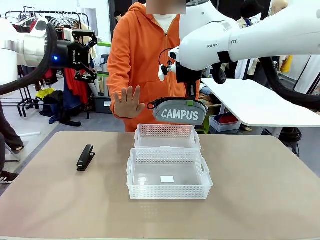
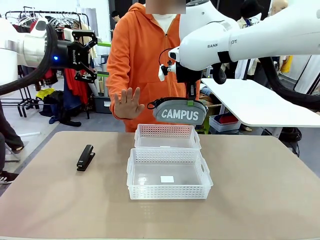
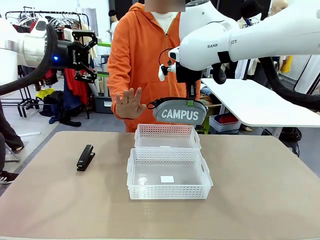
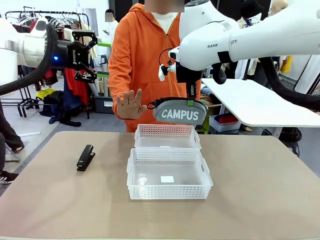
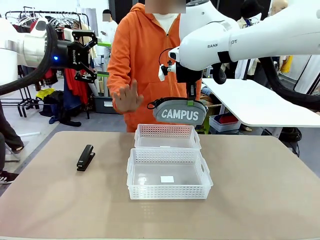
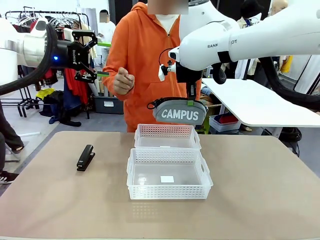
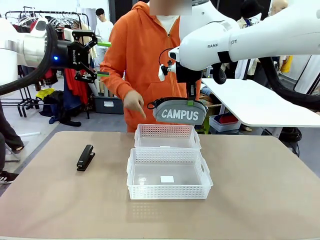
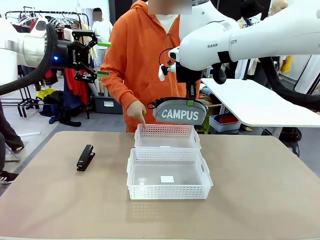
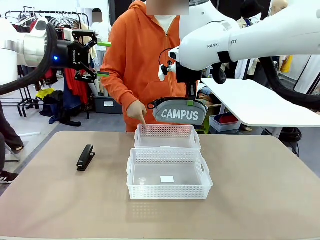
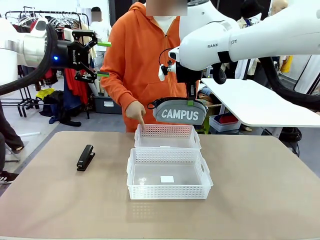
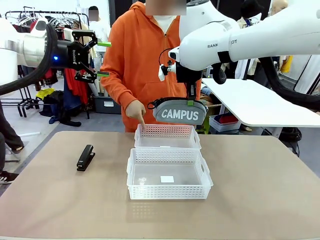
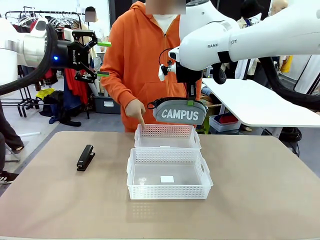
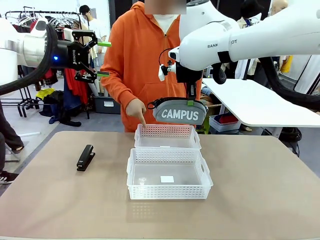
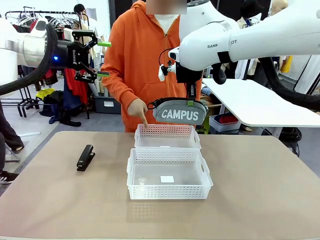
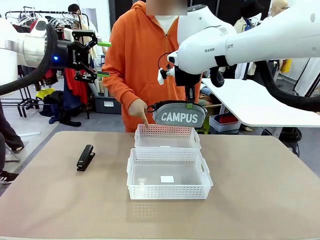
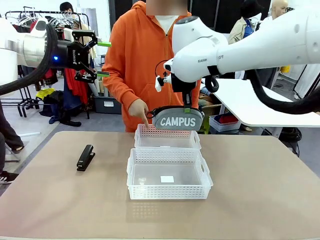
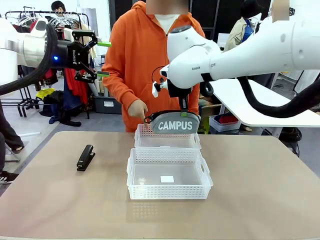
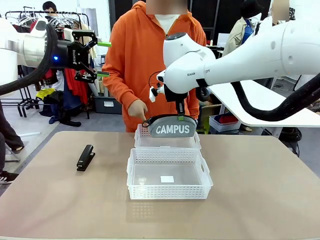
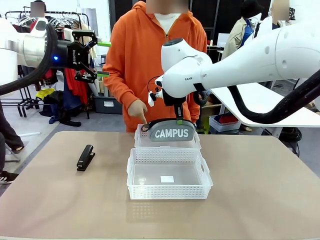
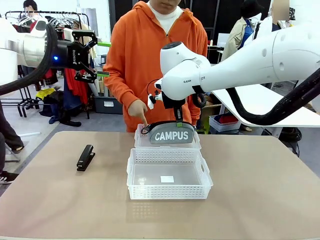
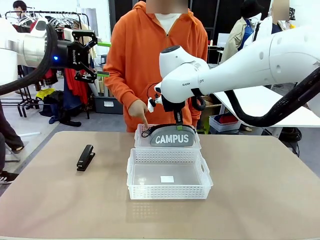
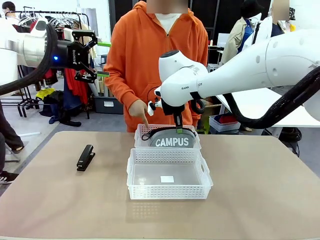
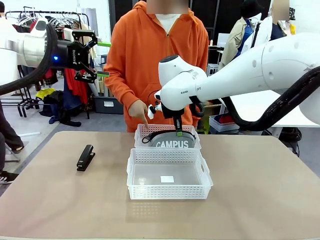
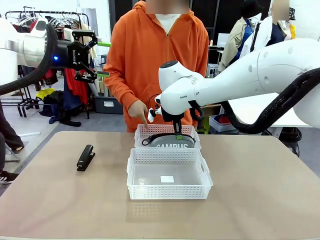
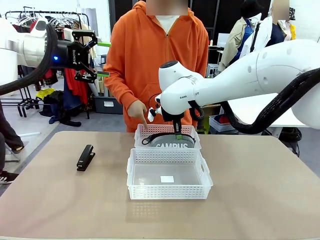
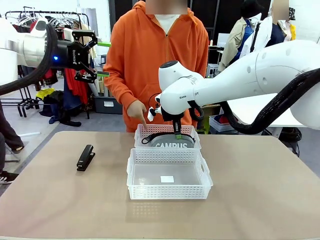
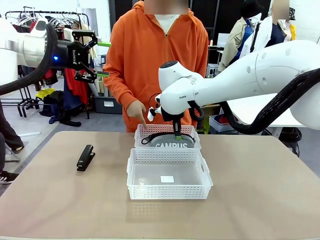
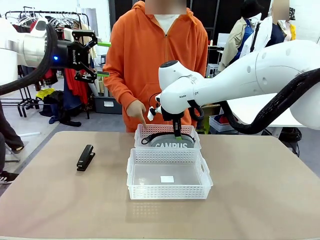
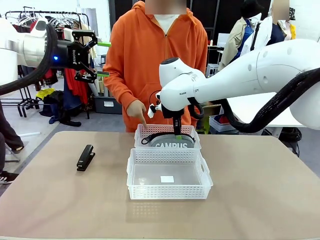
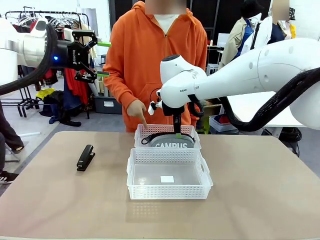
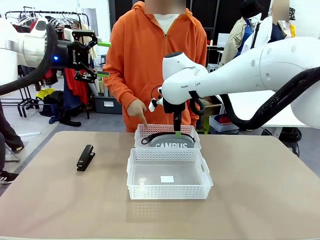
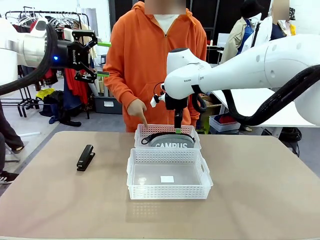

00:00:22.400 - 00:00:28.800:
Task: Distribute items into two baskets.
Robot: Place the picked Pencil pouch into the Organizing basket as instructed by the person.
Person: Instructs the robot to place the pencil case into the opposite basket.

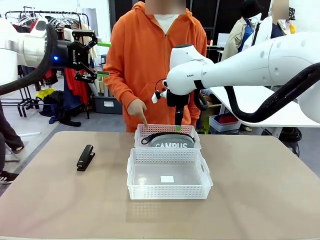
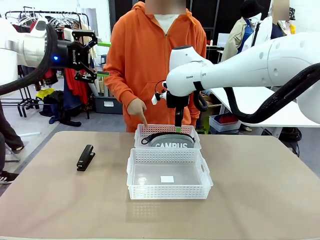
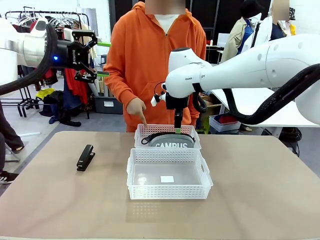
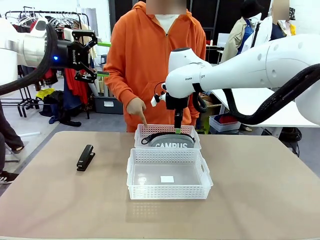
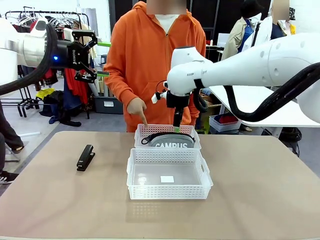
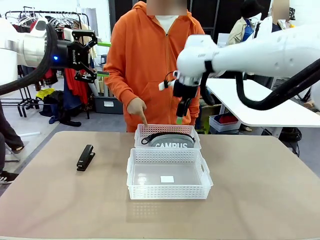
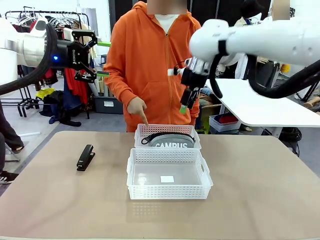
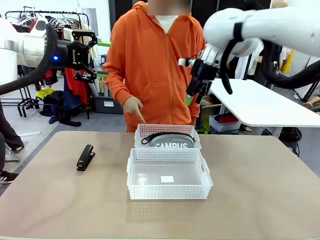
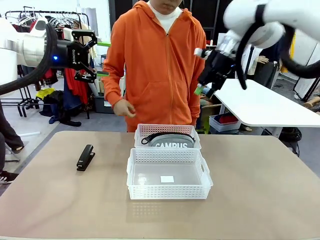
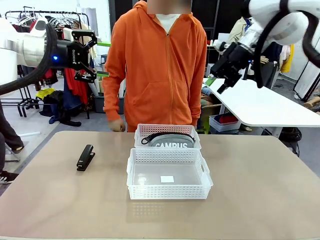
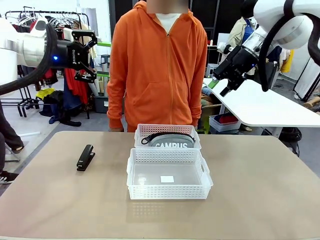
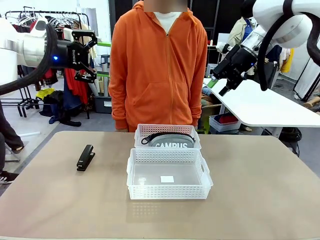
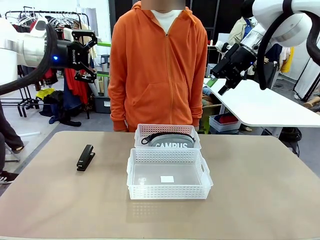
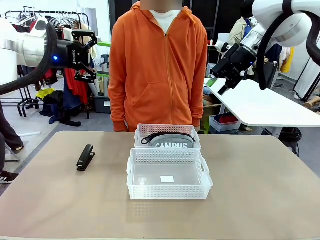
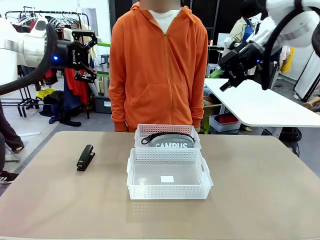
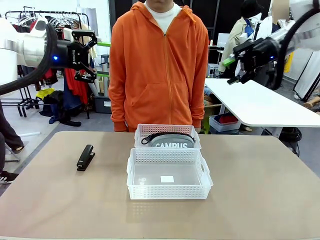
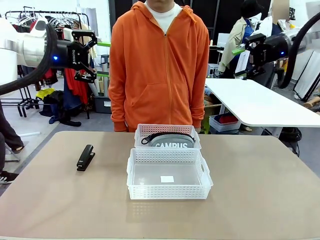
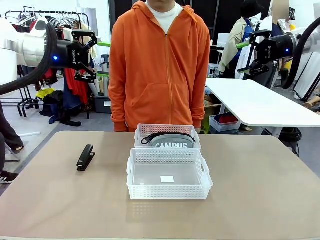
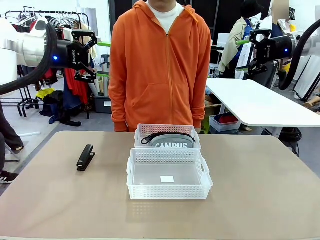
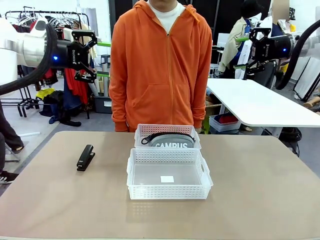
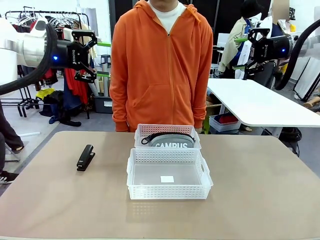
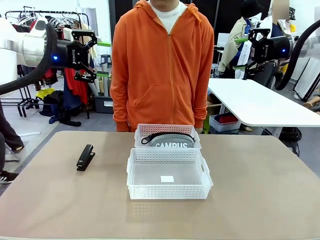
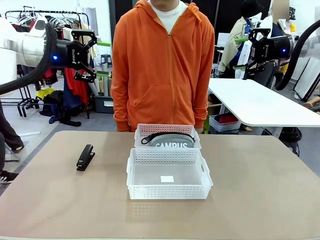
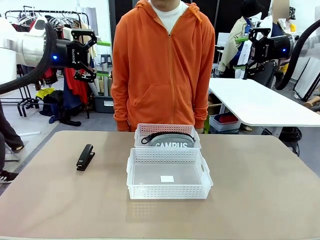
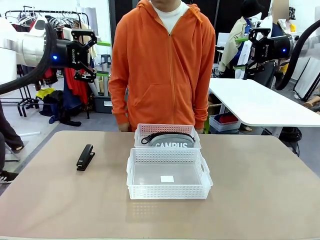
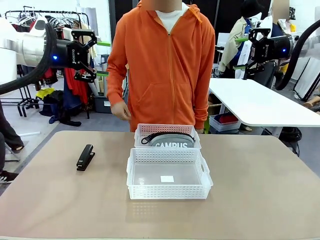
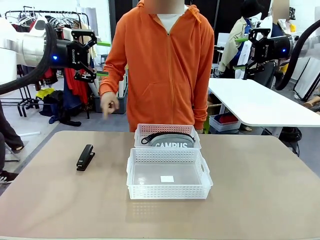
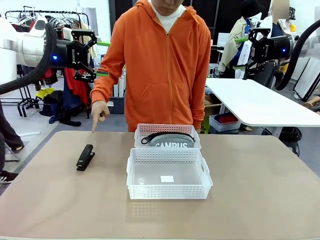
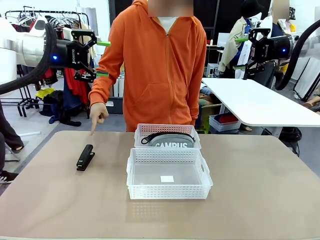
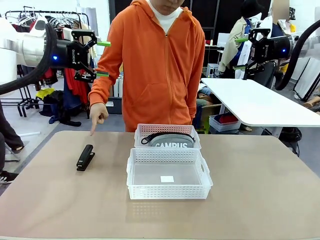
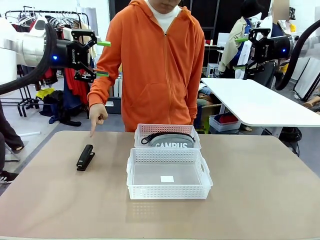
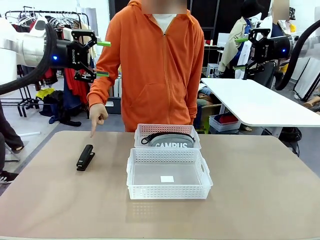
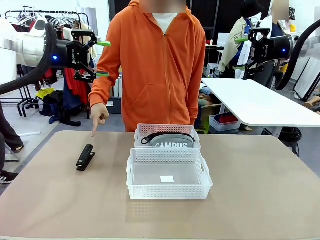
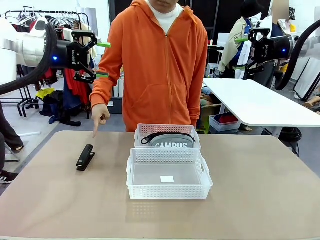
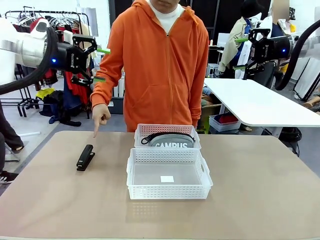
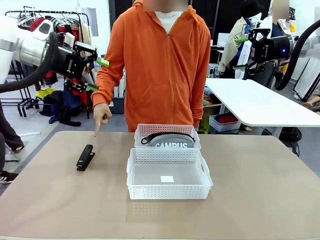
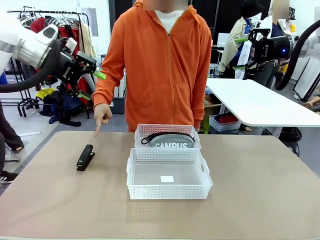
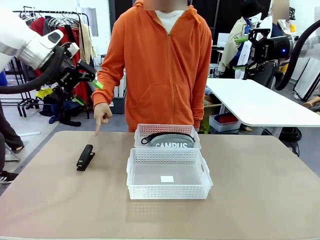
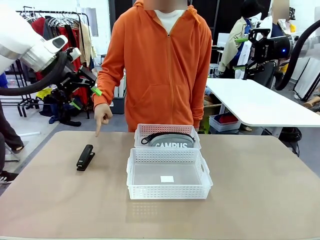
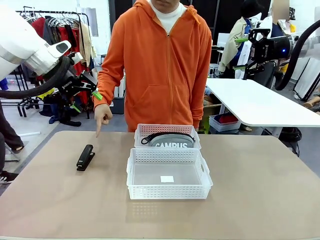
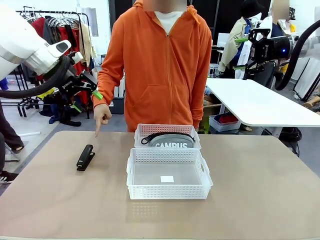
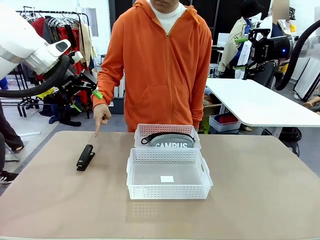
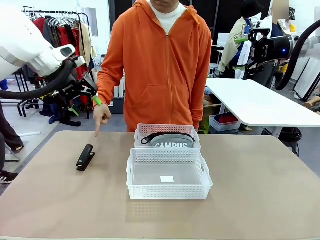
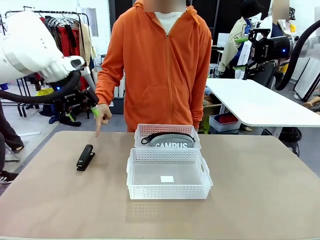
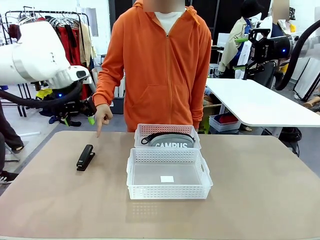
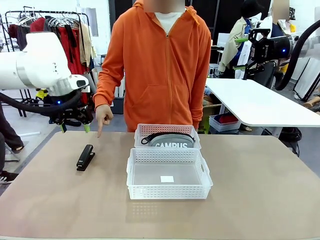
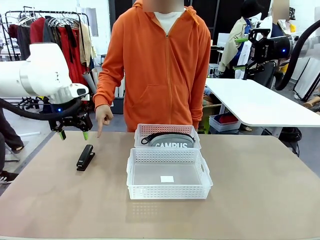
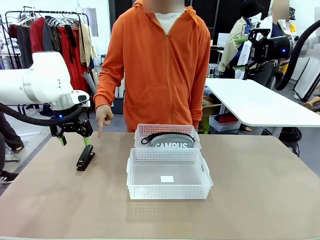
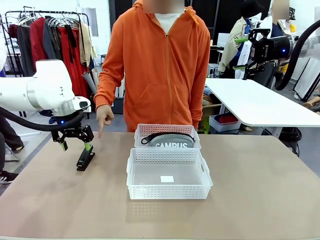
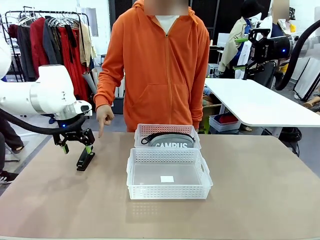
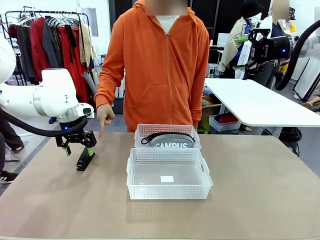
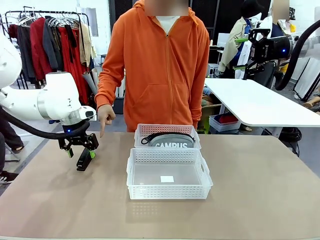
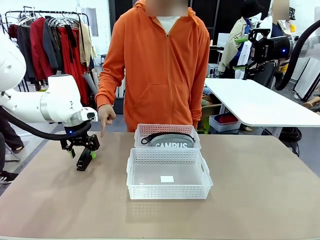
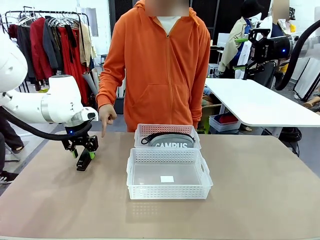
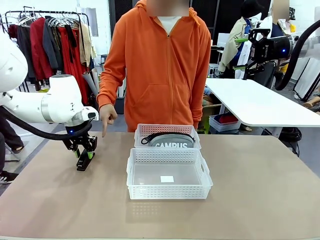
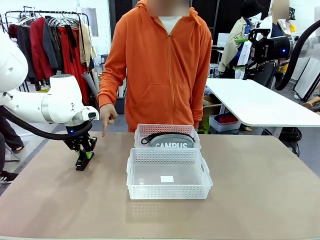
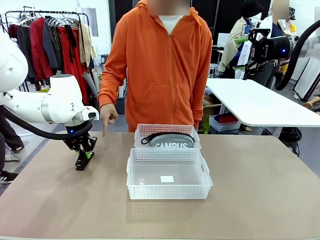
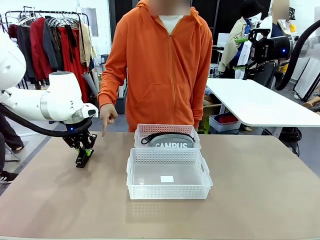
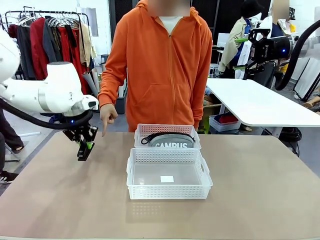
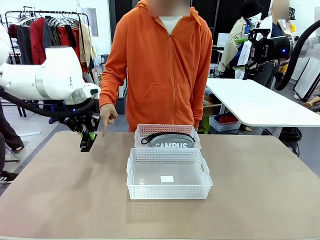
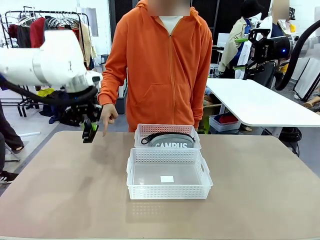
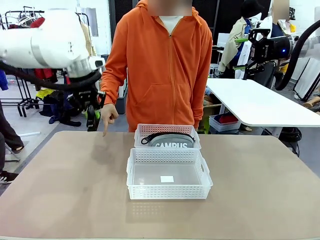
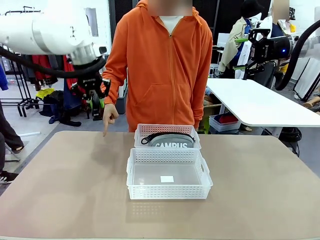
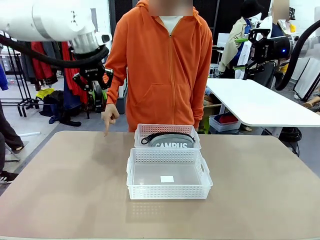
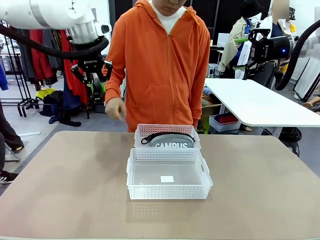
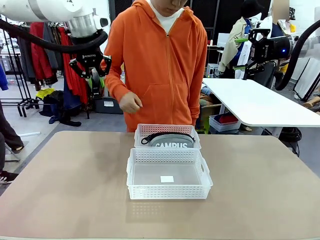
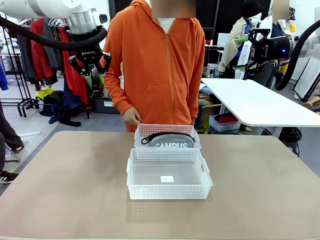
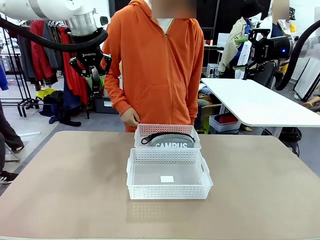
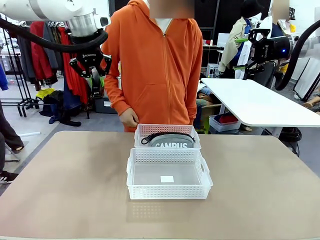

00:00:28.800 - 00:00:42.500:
Robot: Pick up the Stapler that the person points to.
Person: Points to the stapler.
